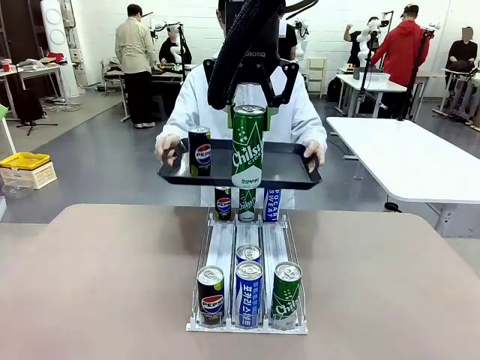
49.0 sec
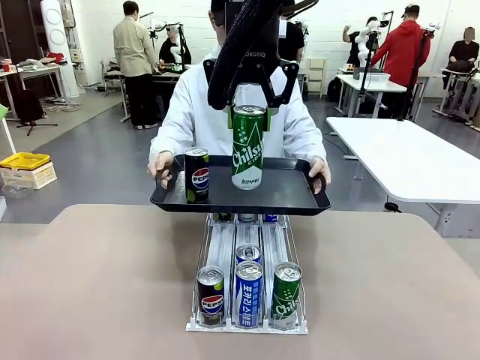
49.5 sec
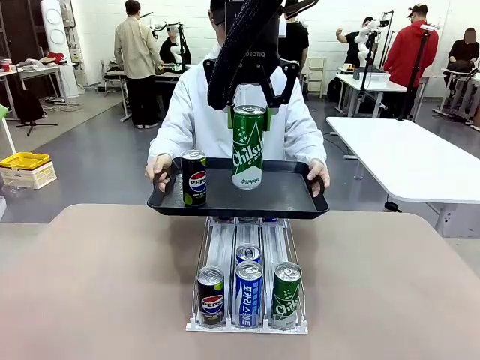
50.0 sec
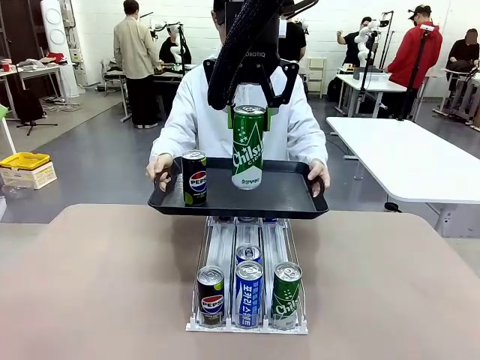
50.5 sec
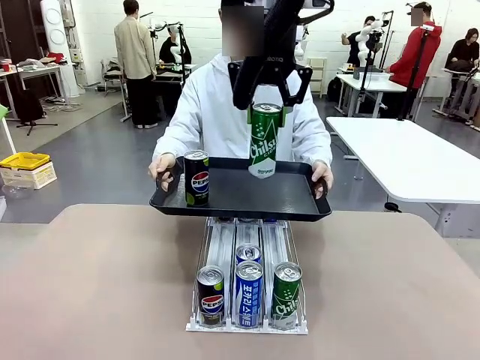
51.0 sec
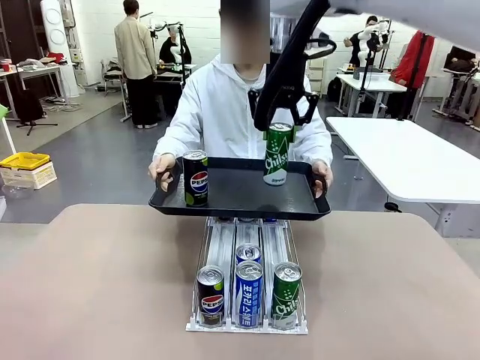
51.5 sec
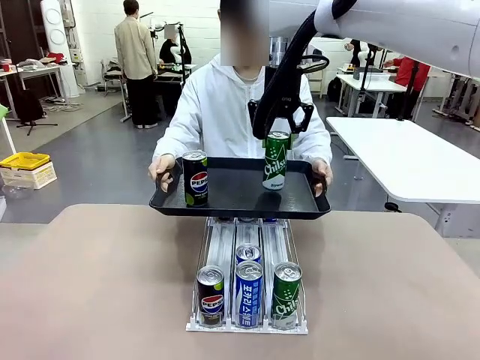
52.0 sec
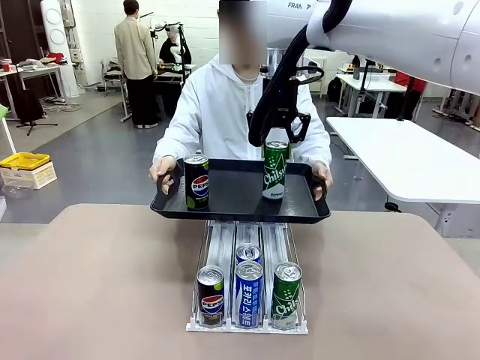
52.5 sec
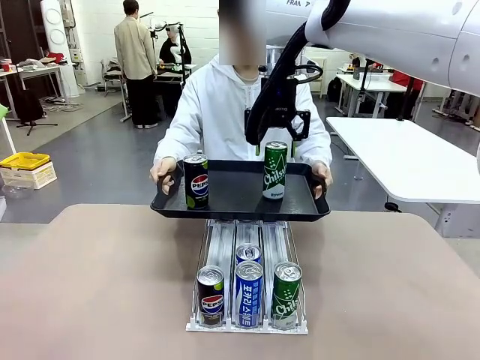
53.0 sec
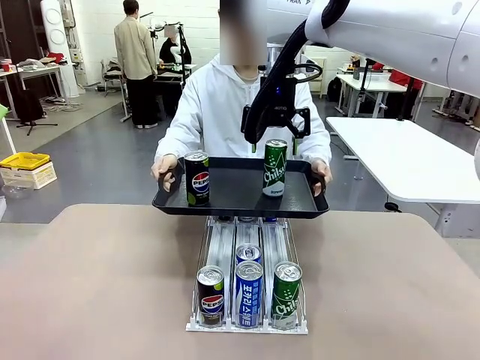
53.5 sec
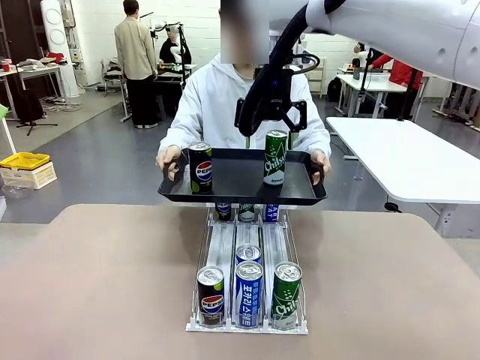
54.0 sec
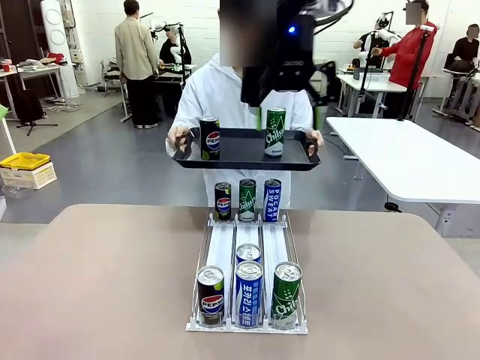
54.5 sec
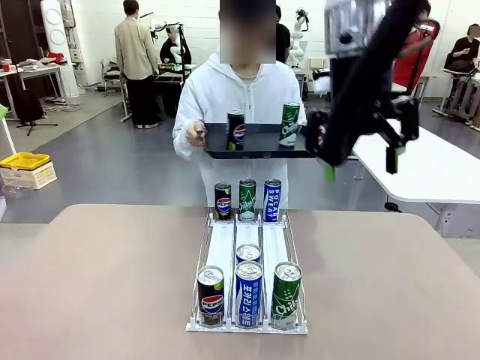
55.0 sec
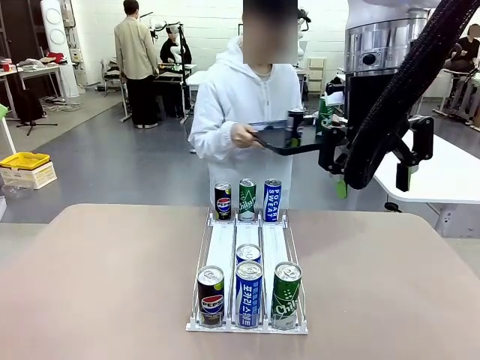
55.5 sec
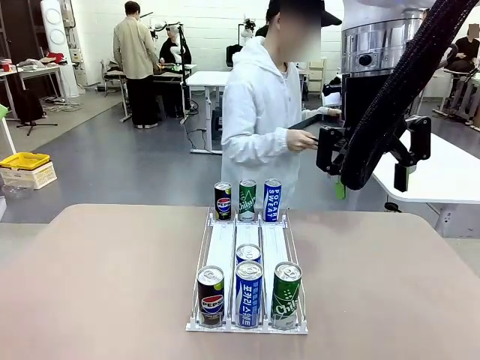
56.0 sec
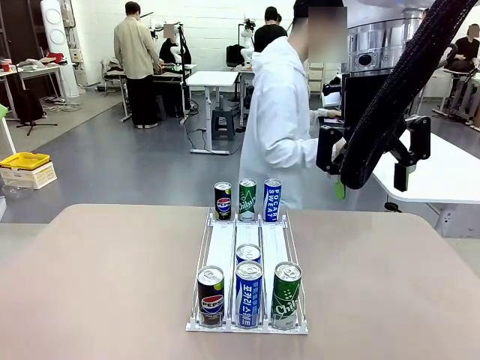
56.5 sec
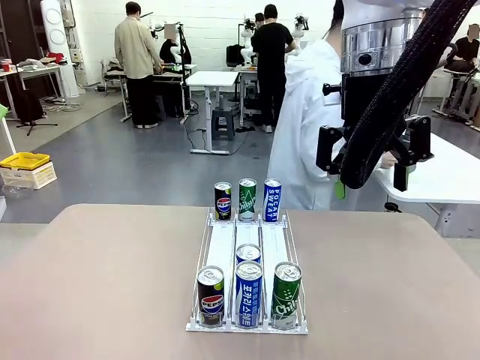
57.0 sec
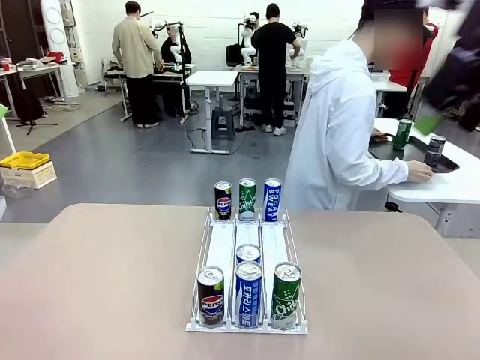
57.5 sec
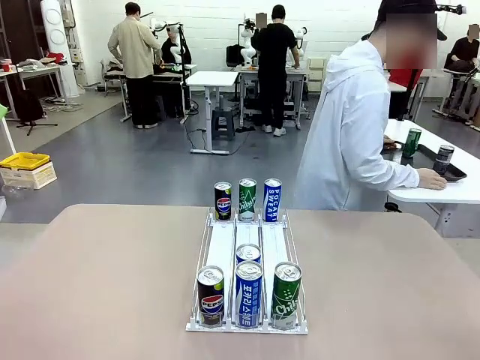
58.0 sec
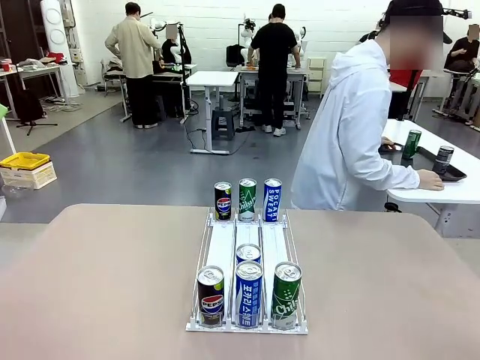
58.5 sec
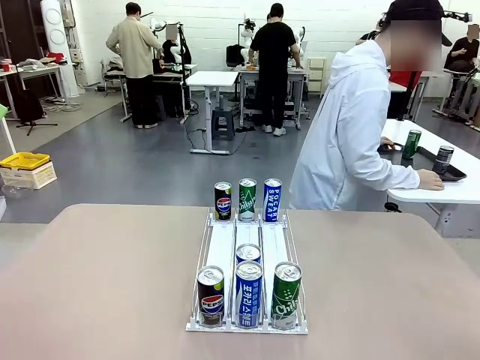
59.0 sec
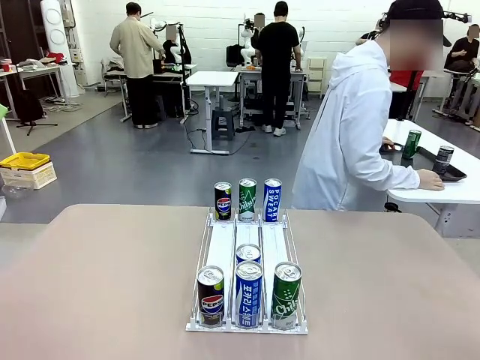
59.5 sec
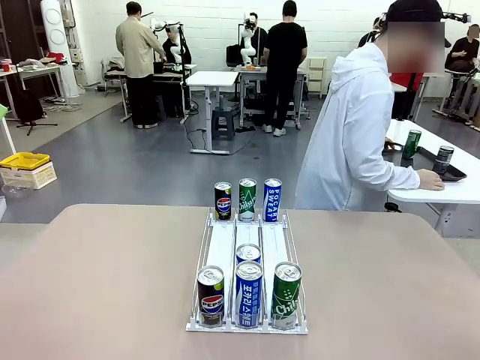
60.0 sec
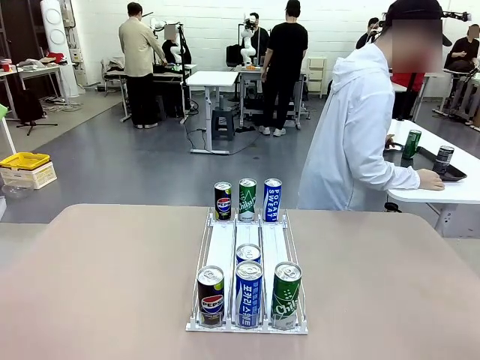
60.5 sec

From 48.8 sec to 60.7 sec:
Task: Retrieve and hand over the desired beverage to the person.
Robot: Place the picked can on the Handle tray extended by the person.
Person: Pull the tray back and place it at the center of the human table.

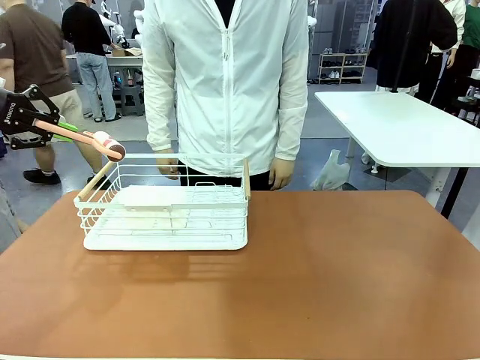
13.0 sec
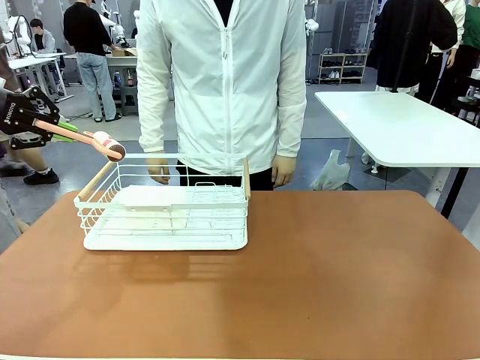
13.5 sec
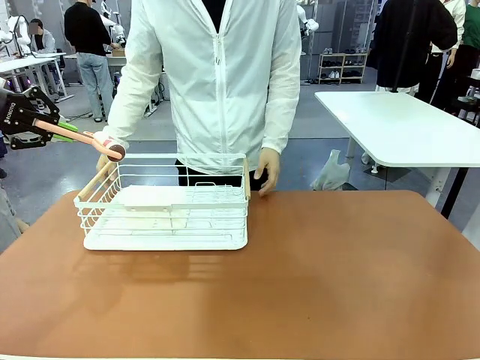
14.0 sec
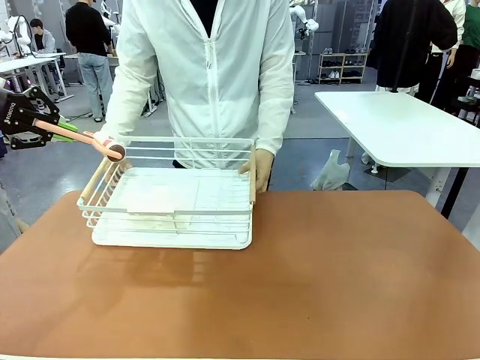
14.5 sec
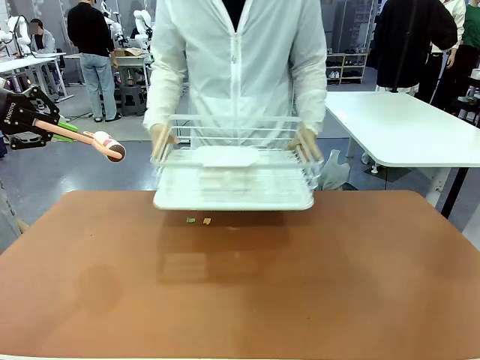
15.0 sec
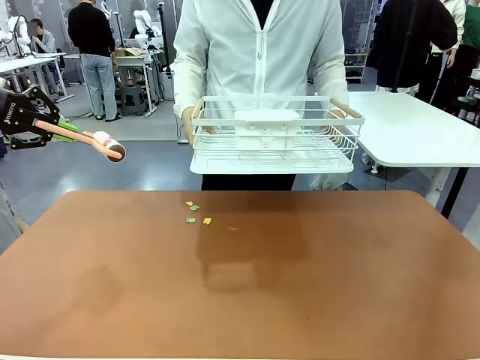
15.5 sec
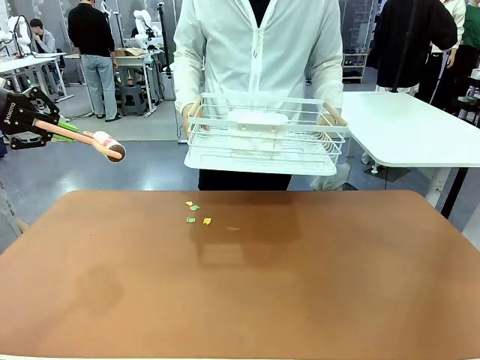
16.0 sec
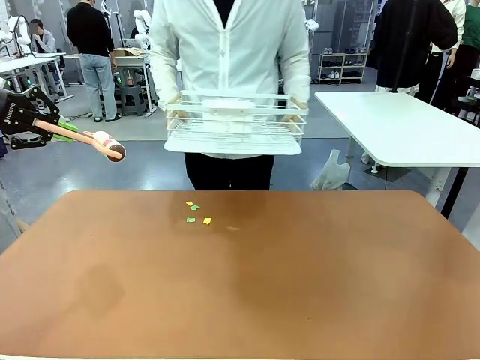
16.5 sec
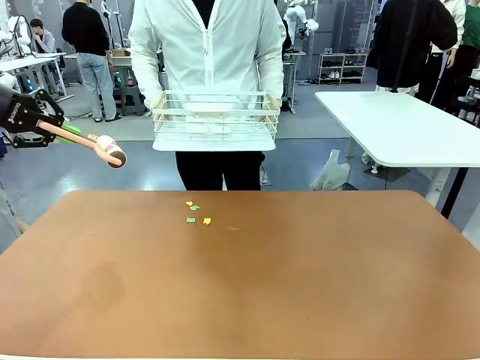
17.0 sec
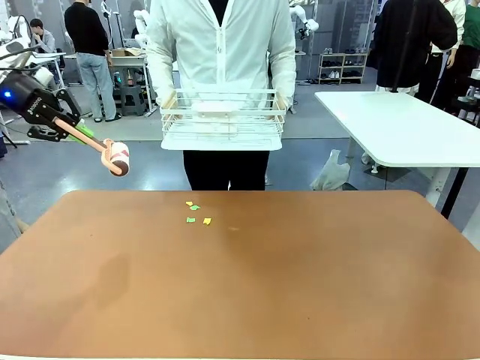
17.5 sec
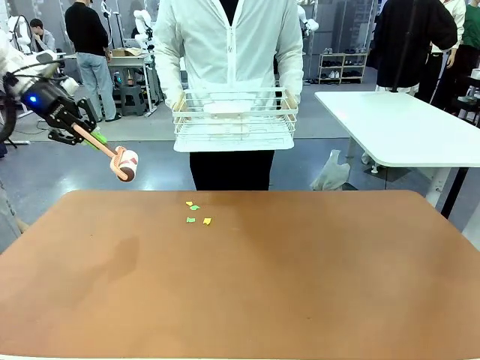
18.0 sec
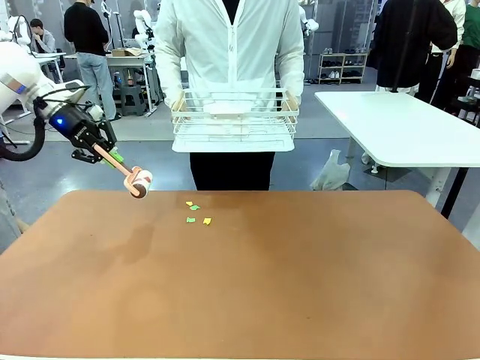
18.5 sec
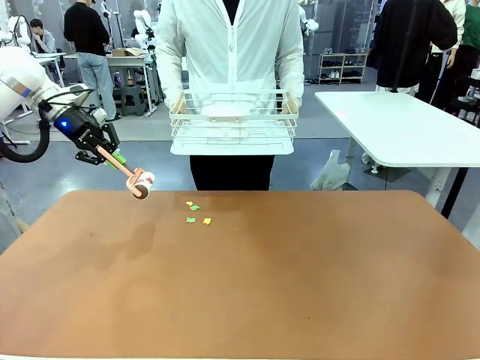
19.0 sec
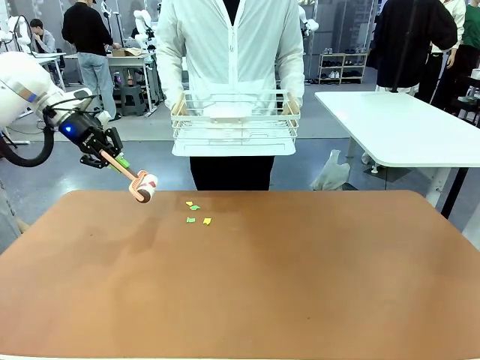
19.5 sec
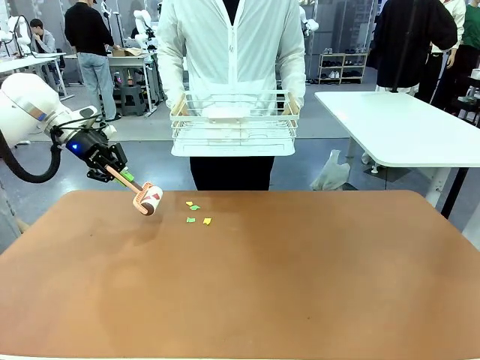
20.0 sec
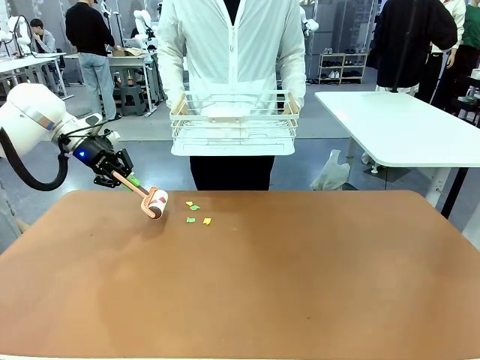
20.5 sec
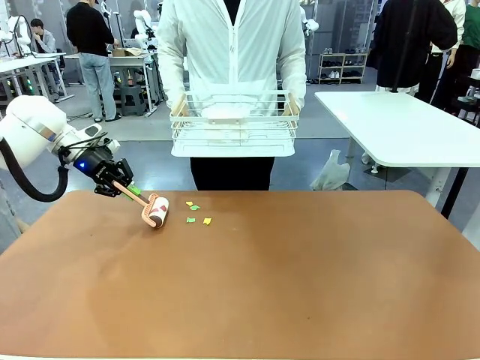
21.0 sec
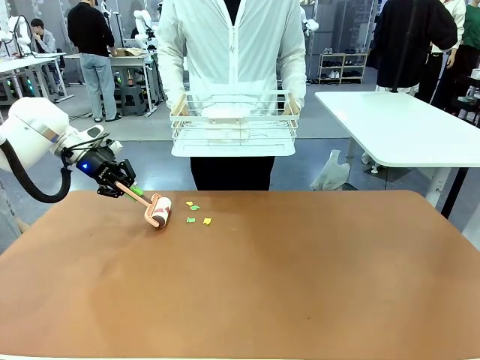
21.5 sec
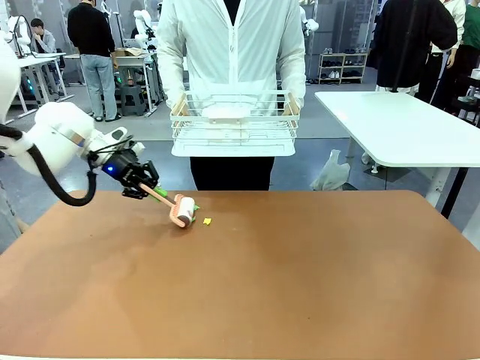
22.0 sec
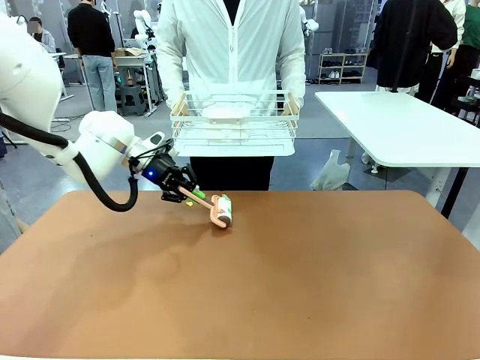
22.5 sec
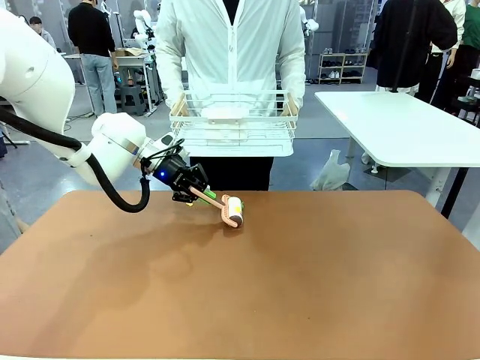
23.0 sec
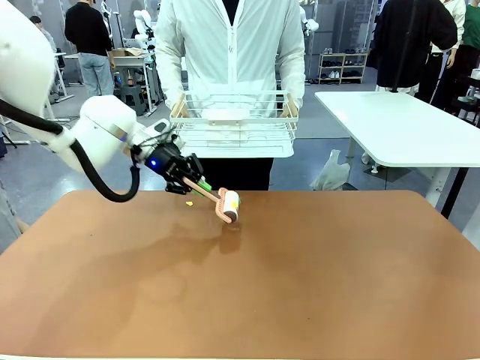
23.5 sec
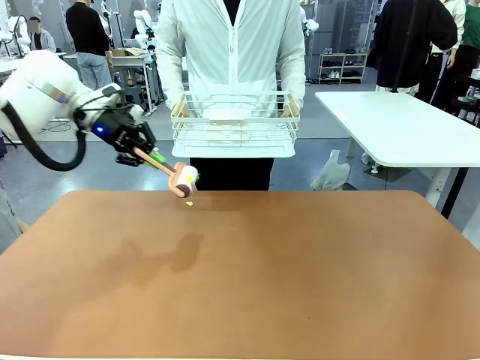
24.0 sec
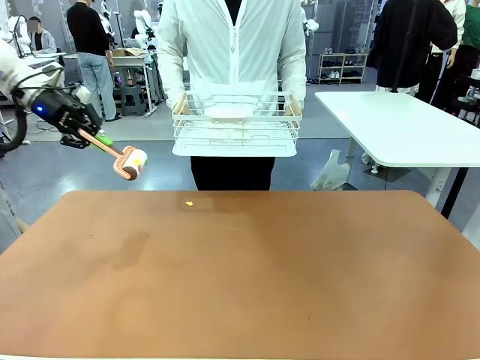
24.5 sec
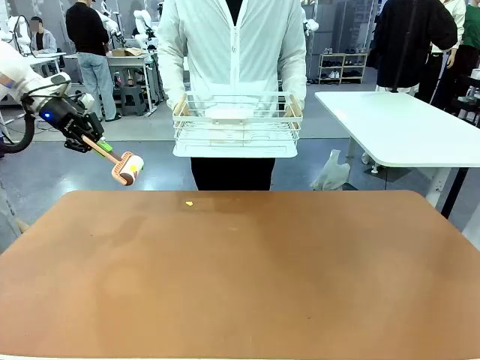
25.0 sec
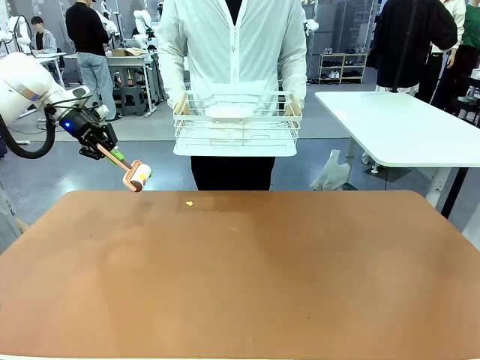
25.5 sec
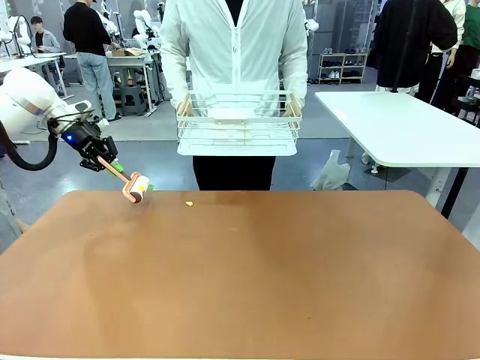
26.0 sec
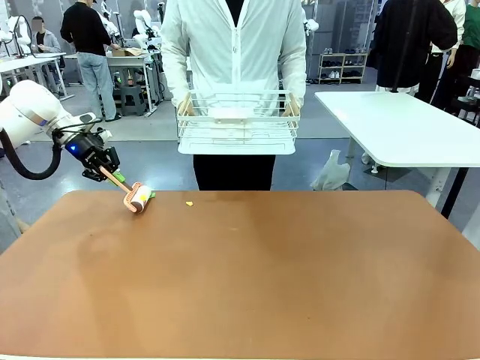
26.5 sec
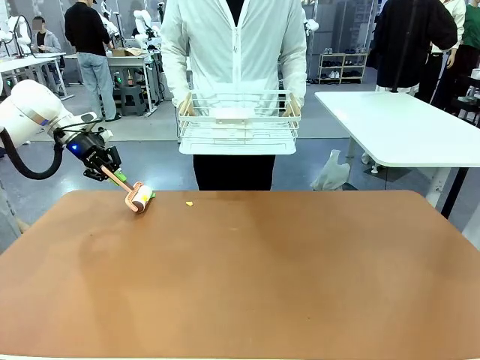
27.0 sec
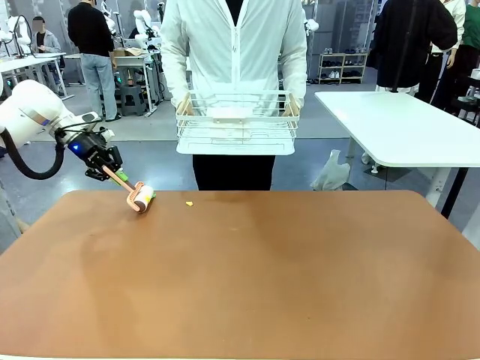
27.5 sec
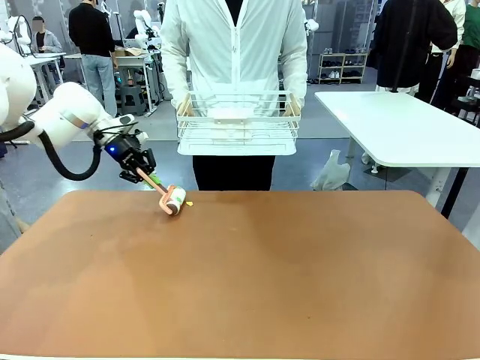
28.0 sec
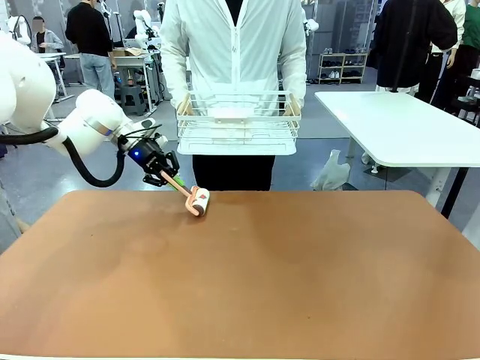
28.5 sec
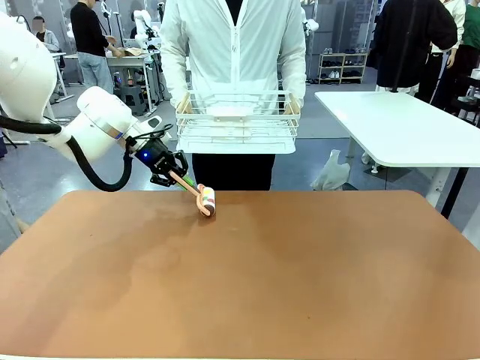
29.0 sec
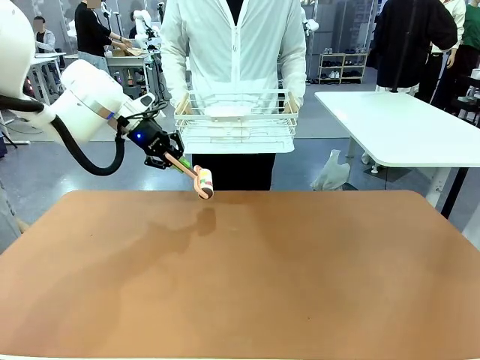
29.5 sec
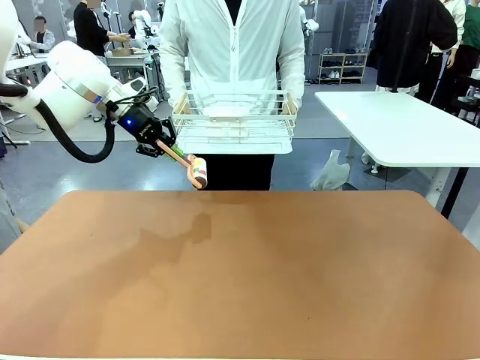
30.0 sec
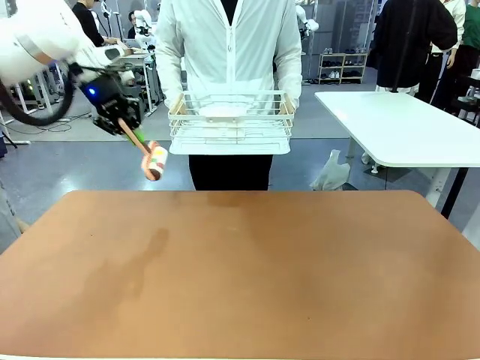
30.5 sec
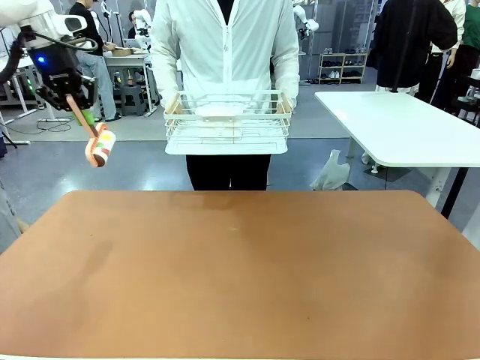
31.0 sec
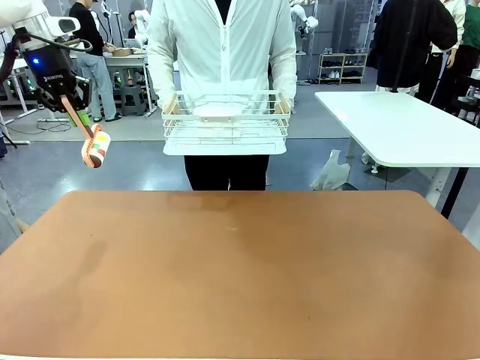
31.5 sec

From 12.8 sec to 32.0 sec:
Task: Clean the table.
Robot: Clean the table with the Lint Roller when the human lifts the Dish drying rack.
Person: Place the Dish drying rack down when the robot finishes cleaning.
